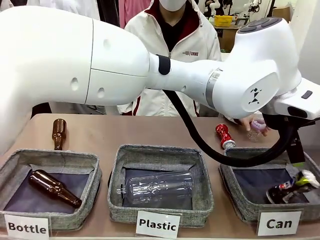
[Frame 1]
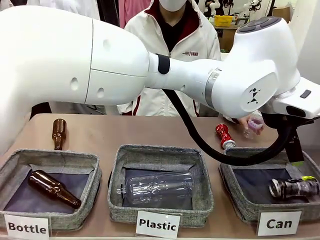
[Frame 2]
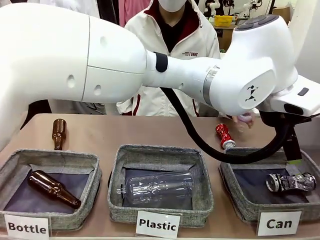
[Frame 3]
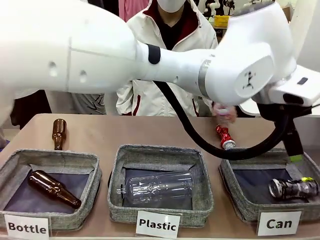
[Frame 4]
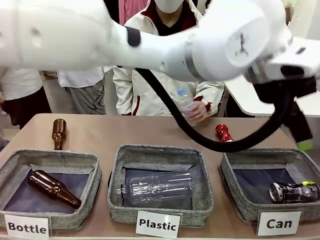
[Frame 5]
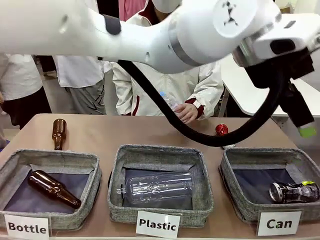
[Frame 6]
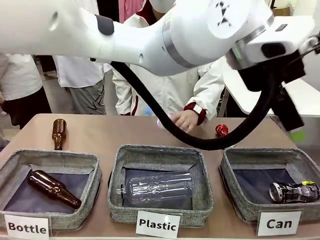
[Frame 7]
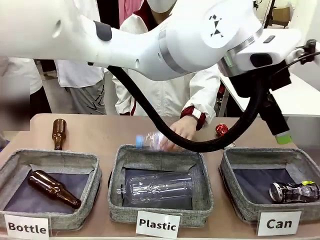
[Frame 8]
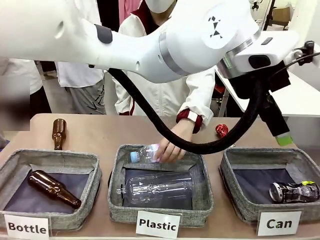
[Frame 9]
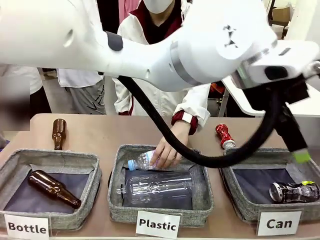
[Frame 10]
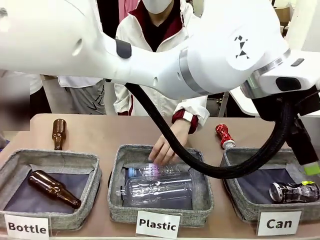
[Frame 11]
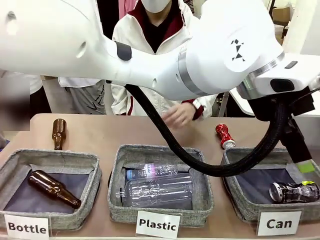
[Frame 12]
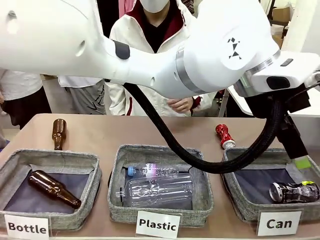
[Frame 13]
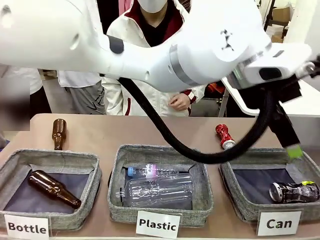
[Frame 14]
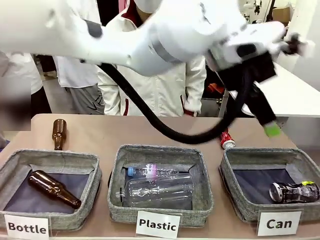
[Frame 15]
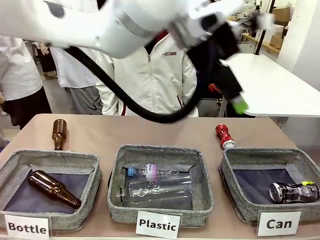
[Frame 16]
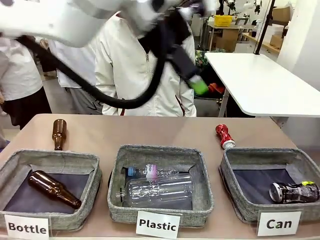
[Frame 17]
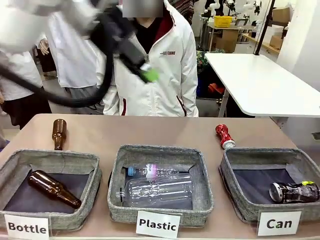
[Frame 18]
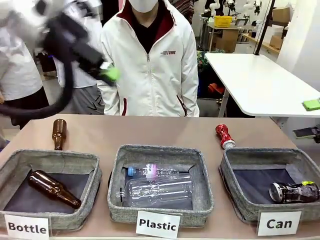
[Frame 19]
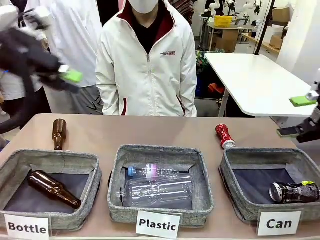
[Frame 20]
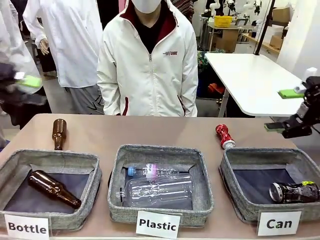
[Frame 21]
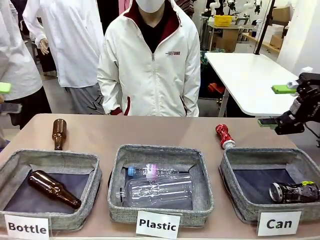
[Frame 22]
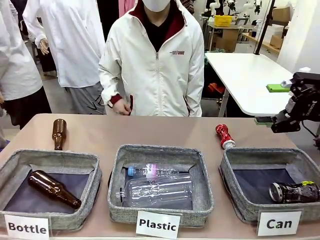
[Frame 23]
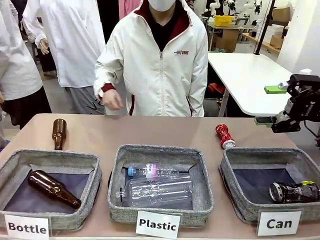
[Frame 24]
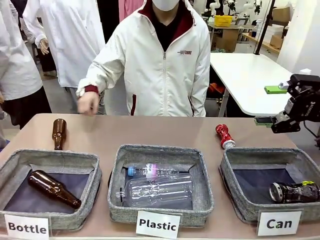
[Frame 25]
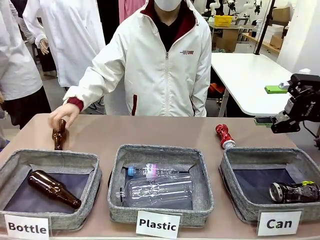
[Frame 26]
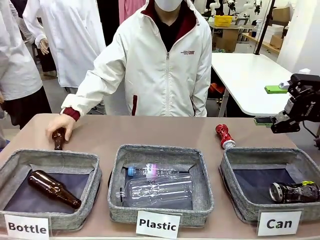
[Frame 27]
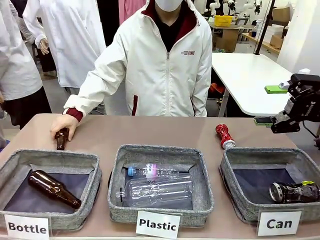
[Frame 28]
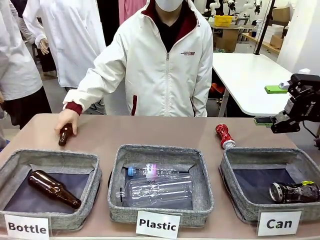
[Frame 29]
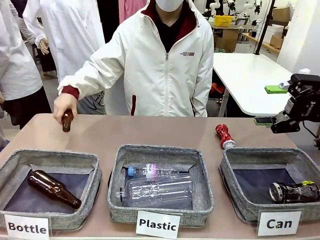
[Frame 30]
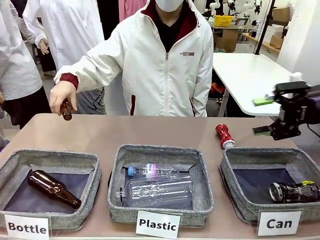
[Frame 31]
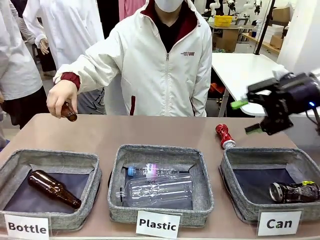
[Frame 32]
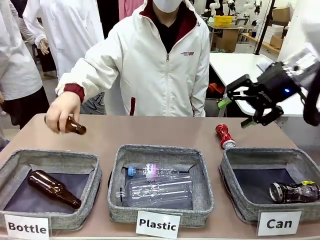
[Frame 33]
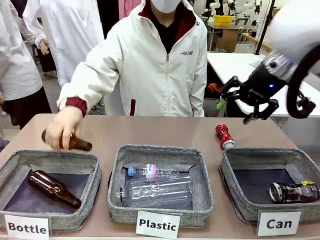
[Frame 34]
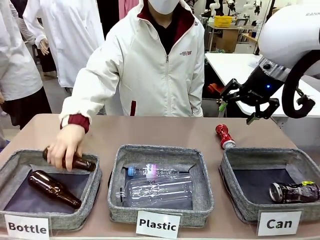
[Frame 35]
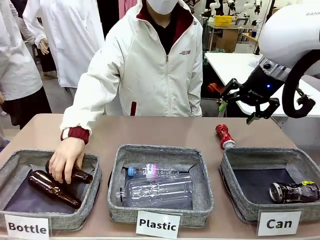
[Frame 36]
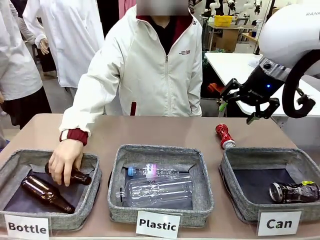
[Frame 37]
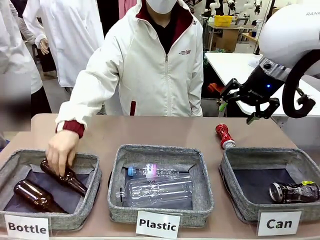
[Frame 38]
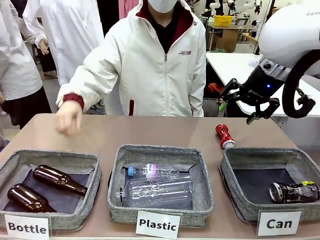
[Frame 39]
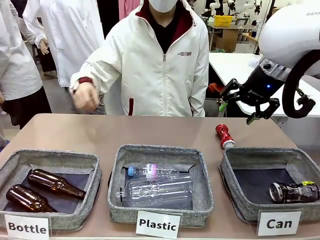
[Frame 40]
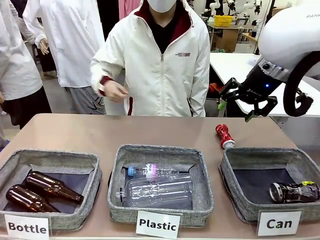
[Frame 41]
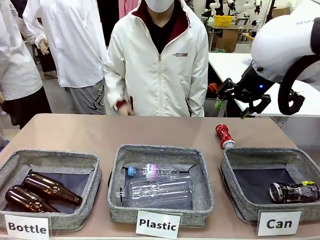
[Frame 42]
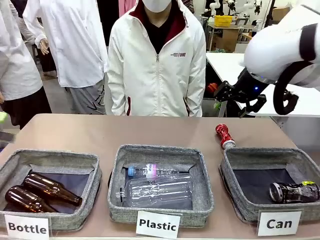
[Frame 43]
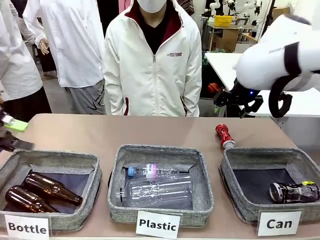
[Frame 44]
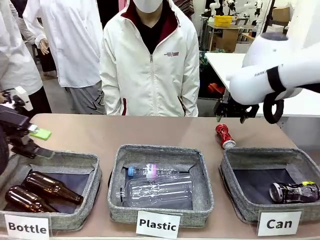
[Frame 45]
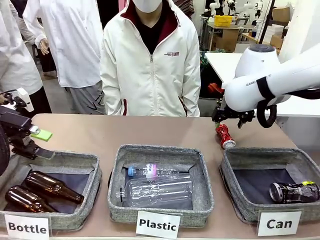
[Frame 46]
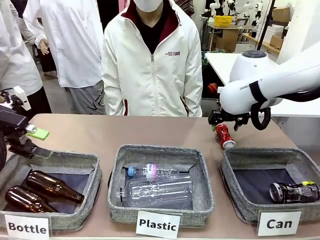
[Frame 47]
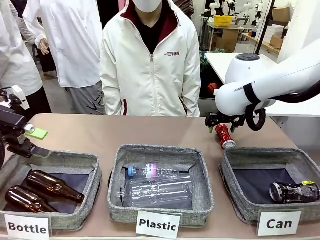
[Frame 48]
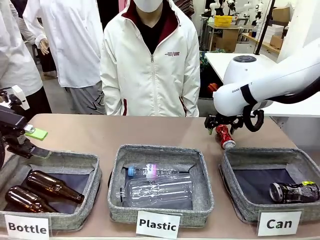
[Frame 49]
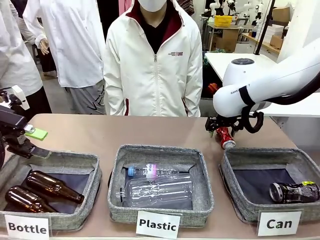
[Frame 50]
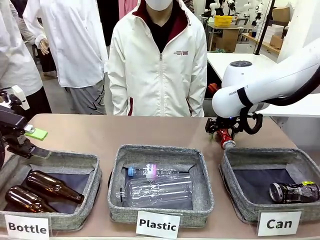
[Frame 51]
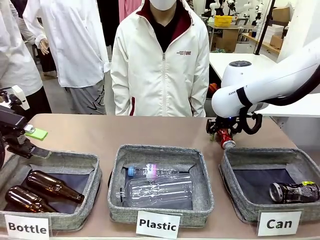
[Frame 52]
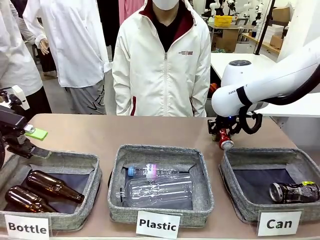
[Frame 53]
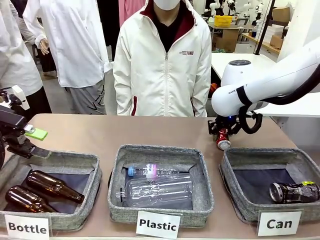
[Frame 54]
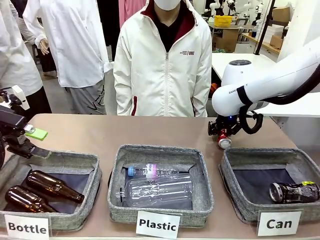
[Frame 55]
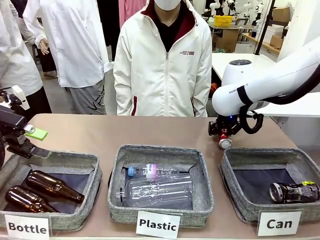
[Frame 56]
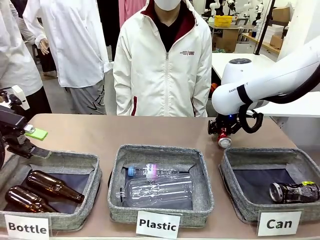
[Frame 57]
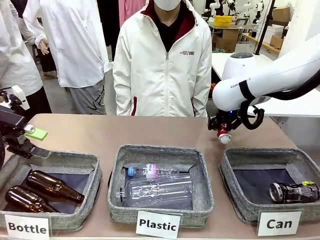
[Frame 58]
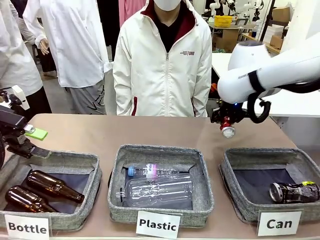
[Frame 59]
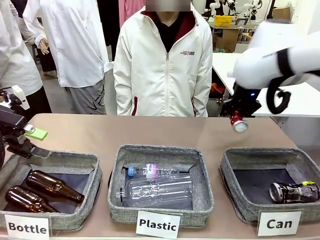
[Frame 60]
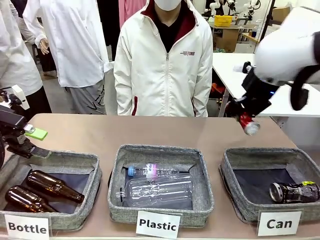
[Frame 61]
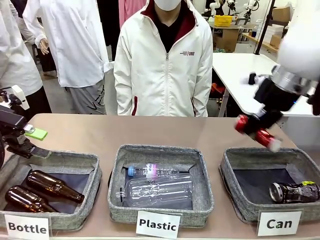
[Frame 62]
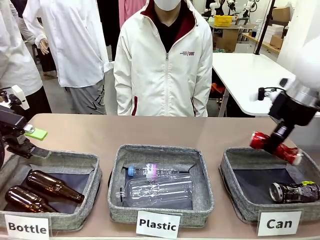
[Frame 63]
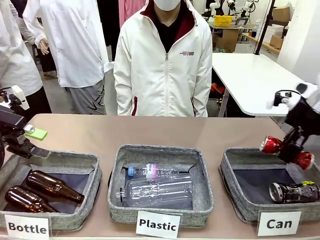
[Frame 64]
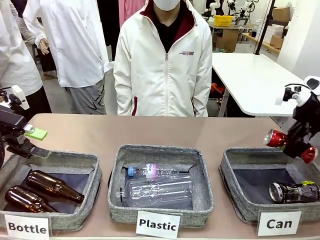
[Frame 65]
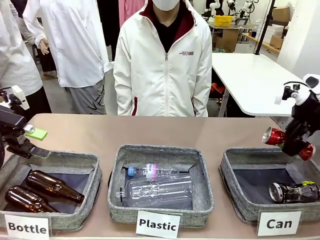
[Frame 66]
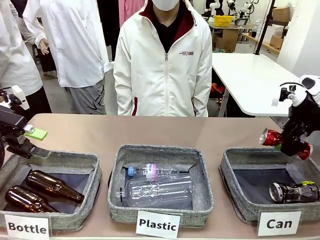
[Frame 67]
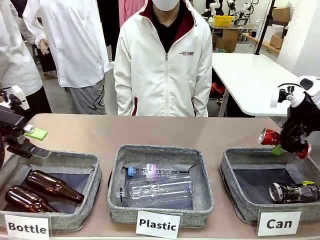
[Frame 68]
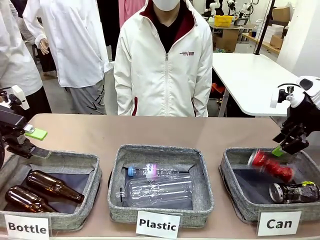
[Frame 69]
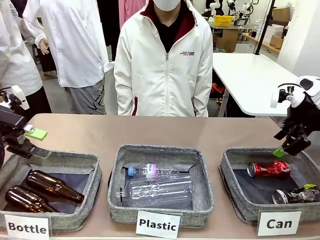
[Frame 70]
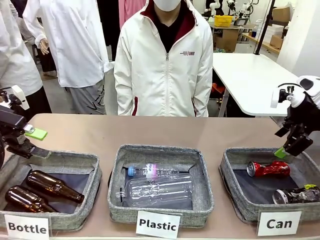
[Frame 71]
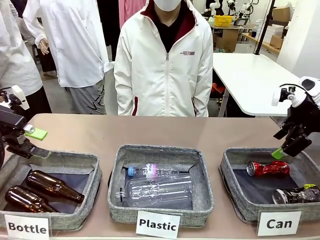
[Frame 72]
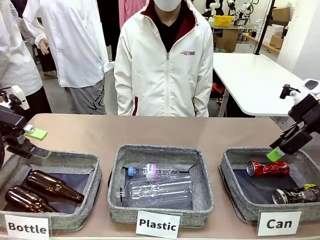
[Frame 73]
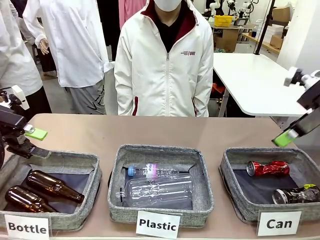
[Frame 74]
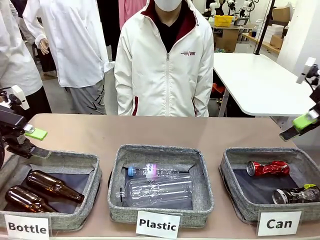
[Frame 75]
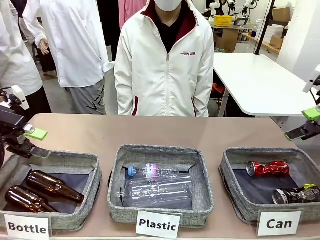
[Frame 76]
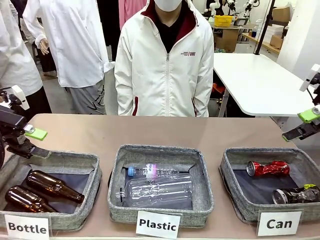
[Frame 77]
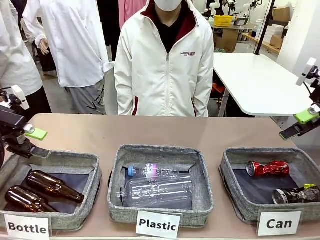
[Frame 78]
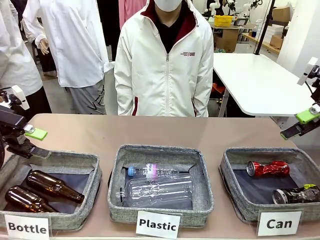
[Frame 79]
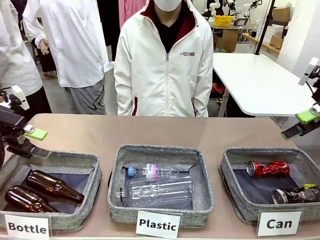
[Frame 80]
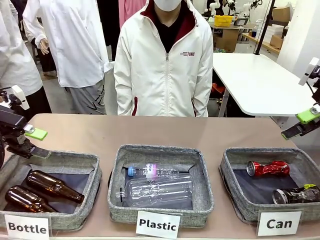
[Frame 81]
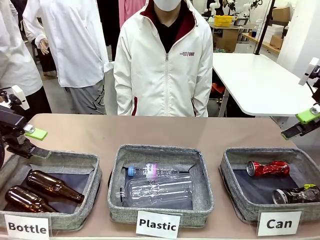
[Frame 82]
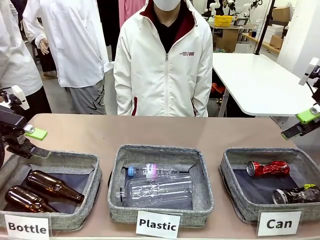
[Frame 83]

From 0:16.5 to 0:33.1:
Task: Sort the can waste into the basket.
Robot: Pick up the can waste from the table and place it in the right Fabric basket.
Person: The human picks up one piece of trash that is not a can and places the trash into the appropriate organizing basket.

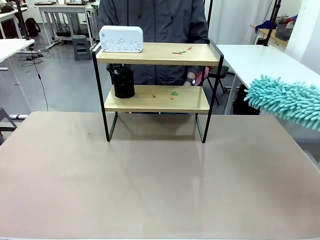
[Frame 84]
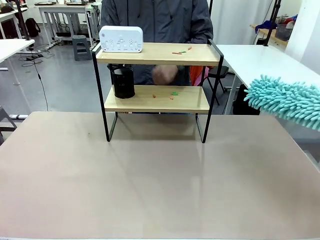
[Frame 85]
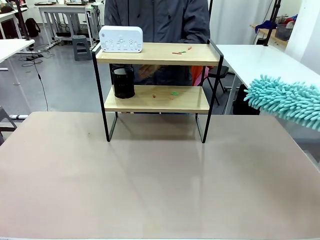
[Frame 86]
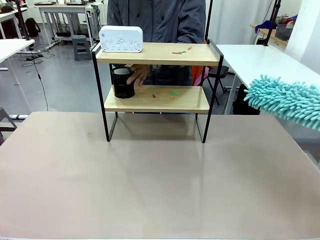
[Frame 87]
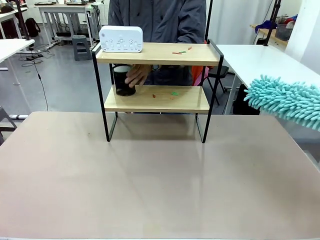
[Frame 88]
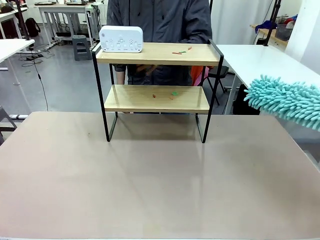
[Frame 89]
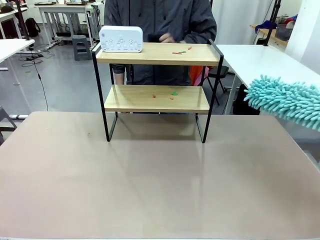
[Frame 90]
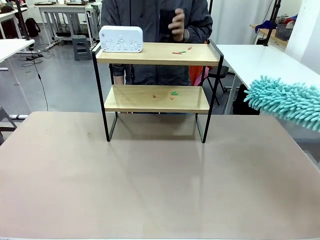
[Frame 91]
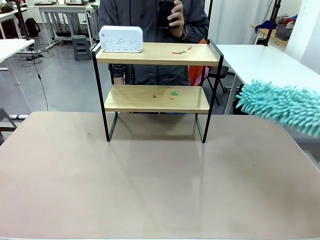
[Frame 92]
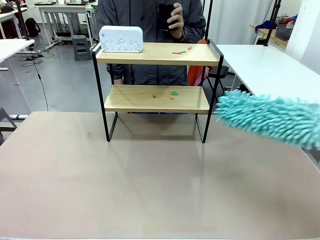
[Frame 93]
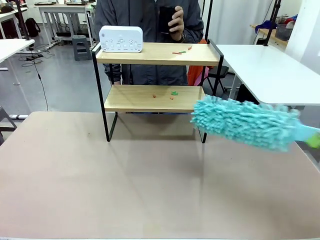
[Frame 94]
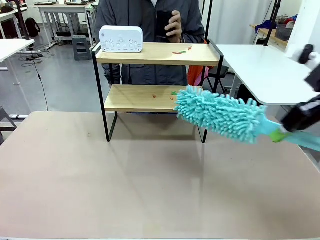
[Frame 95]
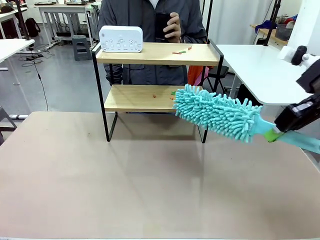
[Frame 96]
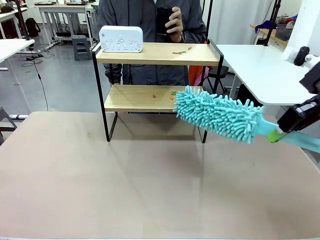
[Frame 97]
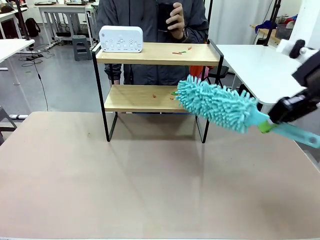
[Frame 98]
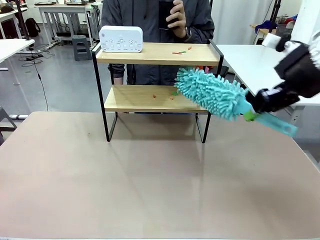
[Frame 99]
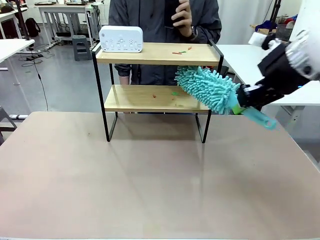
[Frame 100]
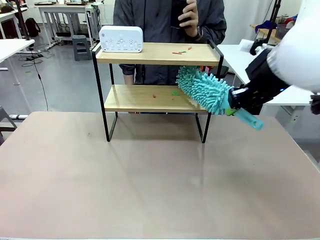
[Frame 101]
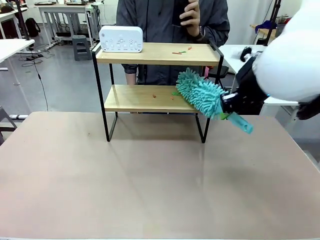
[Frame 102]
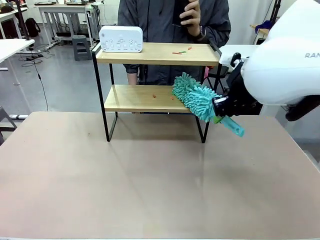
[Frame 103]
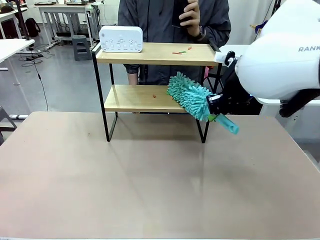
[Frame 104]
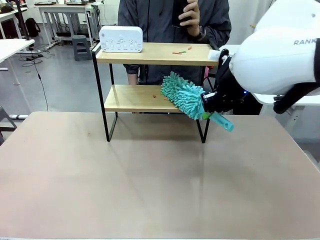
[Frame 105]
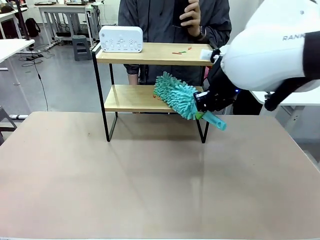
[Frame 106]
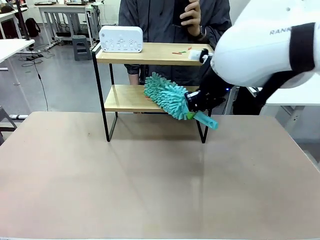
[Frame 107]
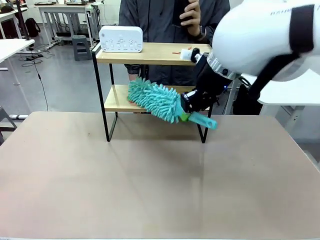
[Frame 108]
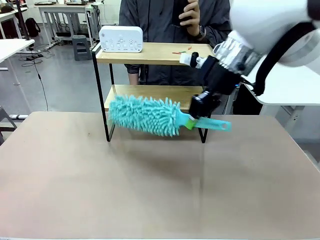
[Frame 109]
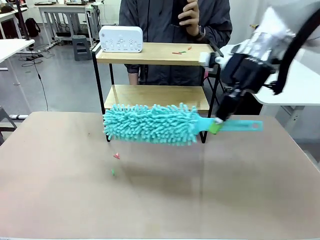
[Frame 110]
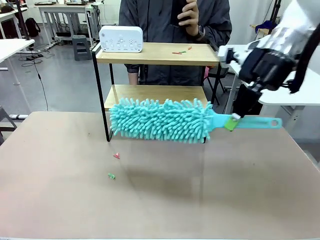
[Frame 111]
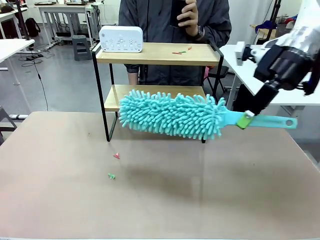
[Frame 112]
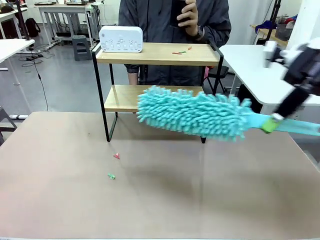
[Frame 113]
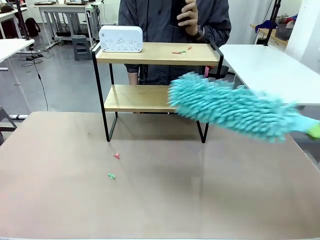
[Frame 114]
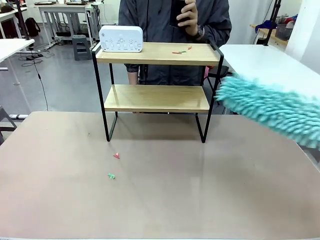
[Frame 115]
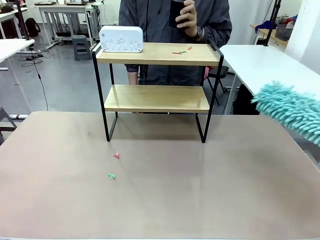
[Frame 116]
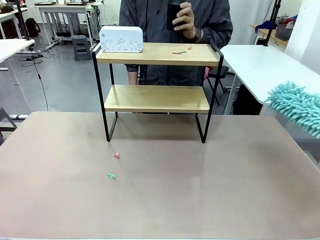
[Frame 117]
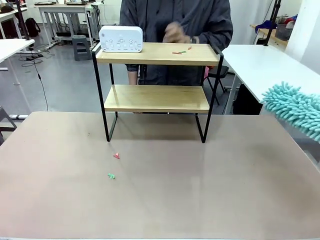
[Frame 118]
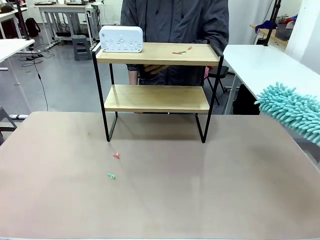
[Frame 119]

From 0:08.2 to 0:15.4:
Task: Clean the shelf.
Robot: Clean the specific tier of the Shelf with the Duster once objects are removed.
Person: Lift the objects on a randomly selected tier of the Shelf. Once the robot finishes cleaning, lift the objects on the remaining tiers of the Shelf.
